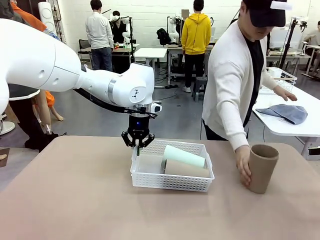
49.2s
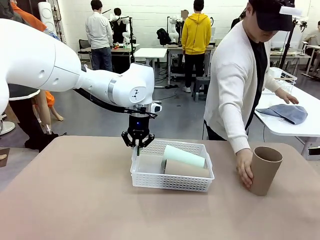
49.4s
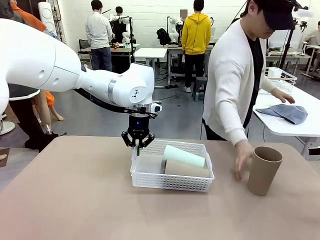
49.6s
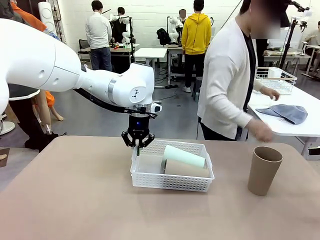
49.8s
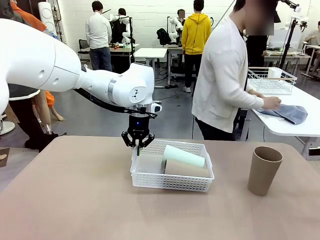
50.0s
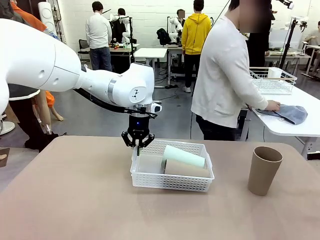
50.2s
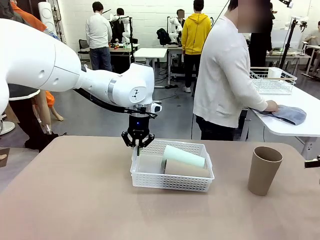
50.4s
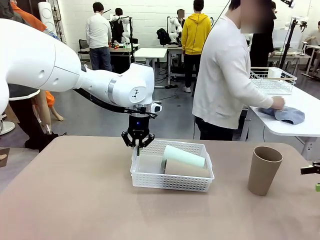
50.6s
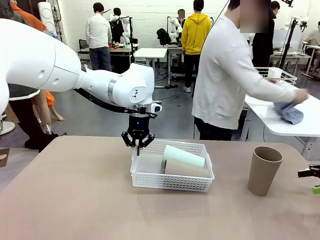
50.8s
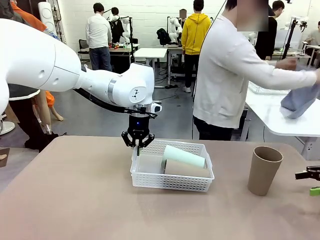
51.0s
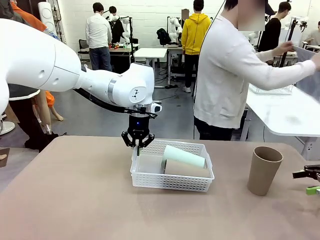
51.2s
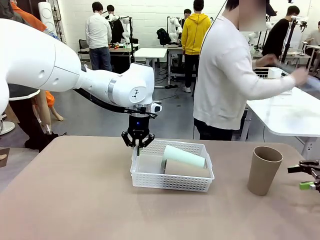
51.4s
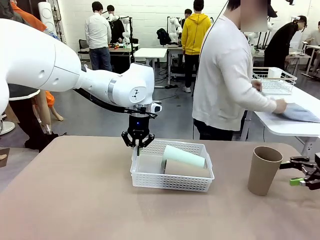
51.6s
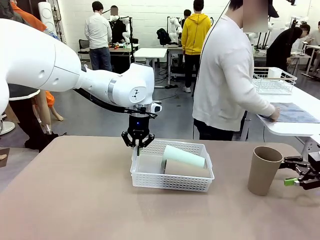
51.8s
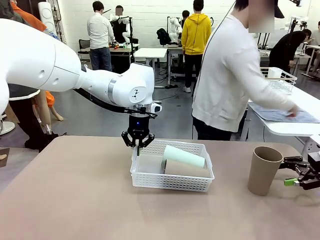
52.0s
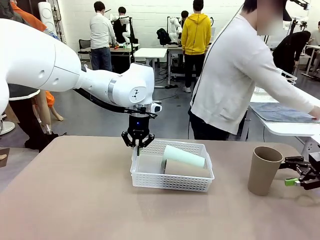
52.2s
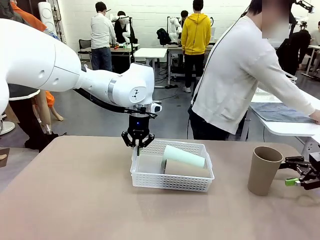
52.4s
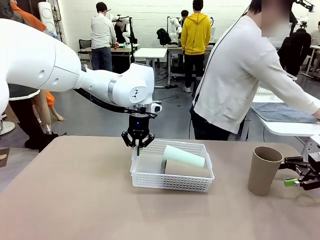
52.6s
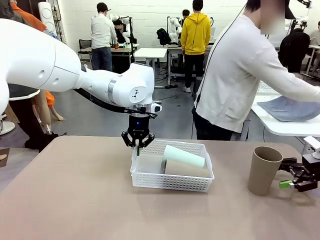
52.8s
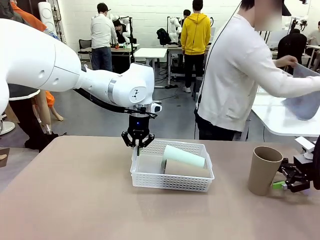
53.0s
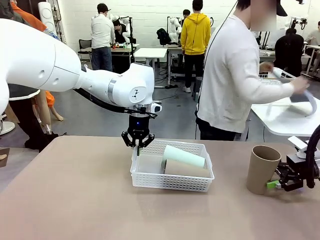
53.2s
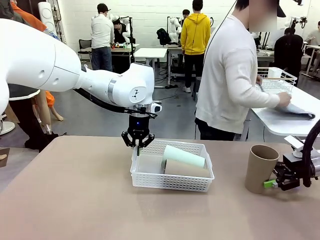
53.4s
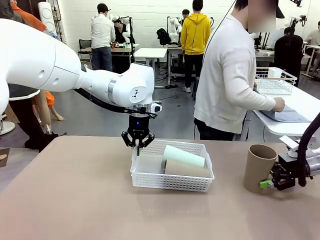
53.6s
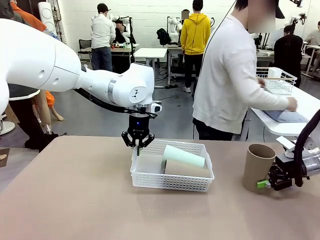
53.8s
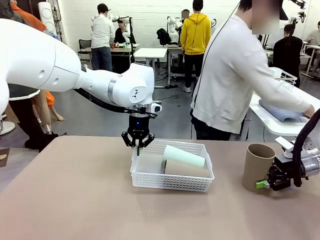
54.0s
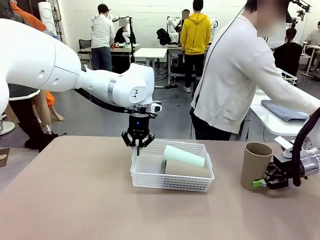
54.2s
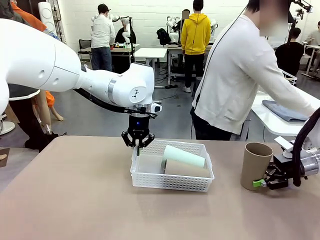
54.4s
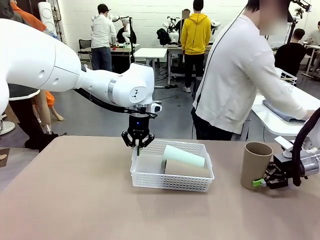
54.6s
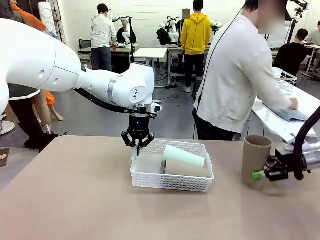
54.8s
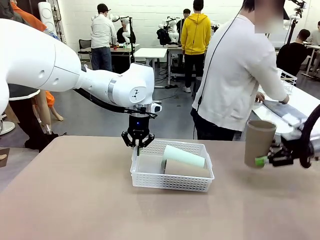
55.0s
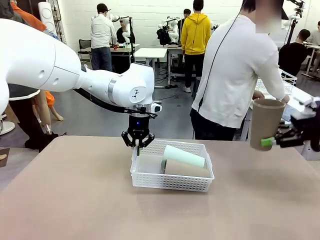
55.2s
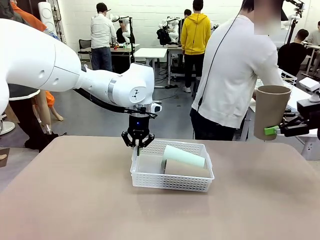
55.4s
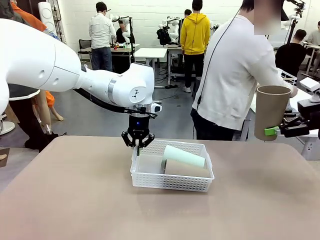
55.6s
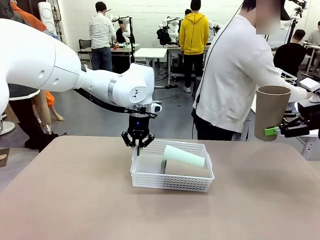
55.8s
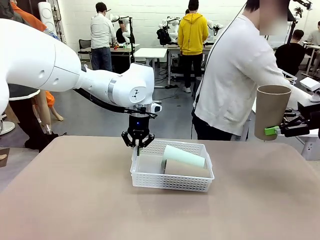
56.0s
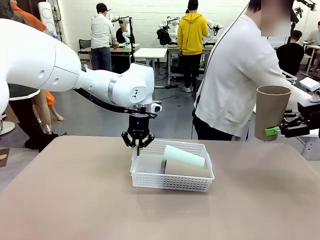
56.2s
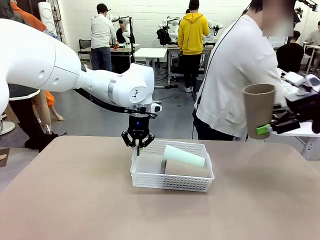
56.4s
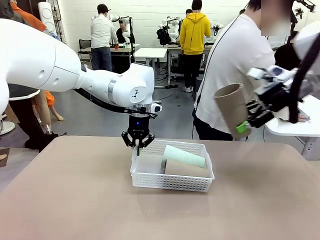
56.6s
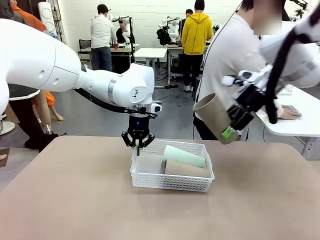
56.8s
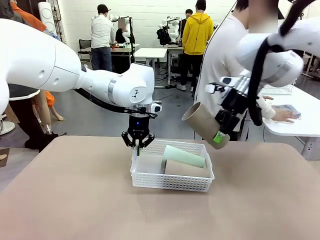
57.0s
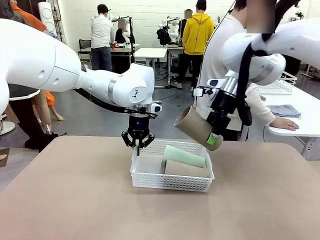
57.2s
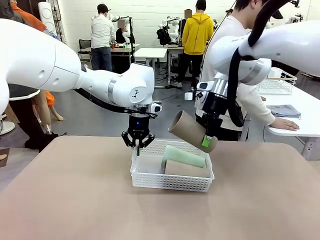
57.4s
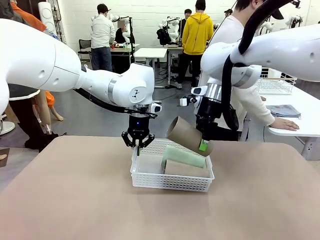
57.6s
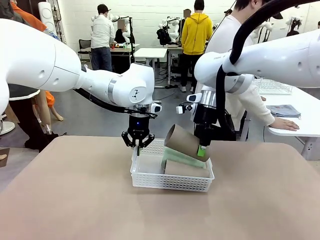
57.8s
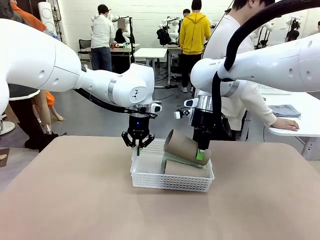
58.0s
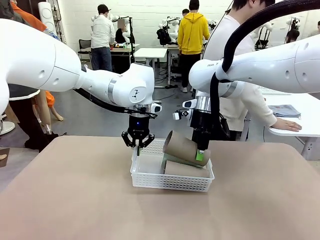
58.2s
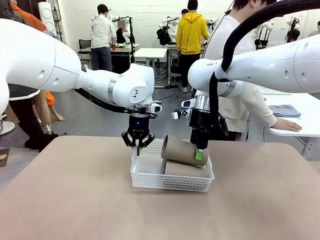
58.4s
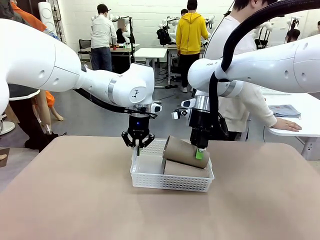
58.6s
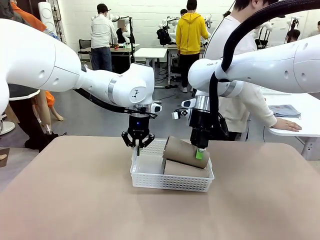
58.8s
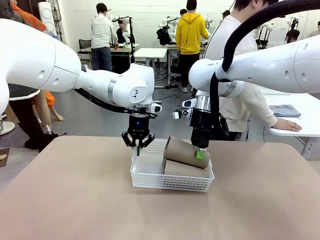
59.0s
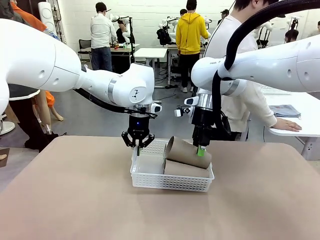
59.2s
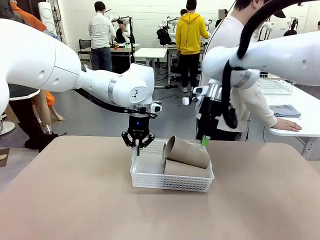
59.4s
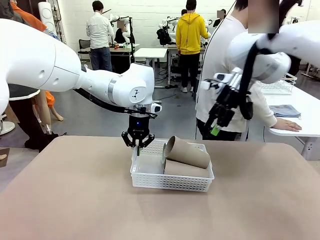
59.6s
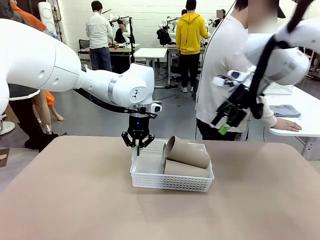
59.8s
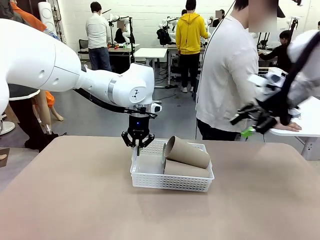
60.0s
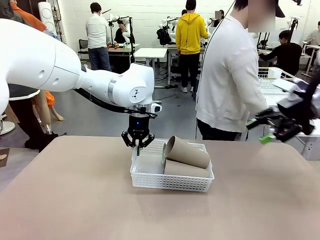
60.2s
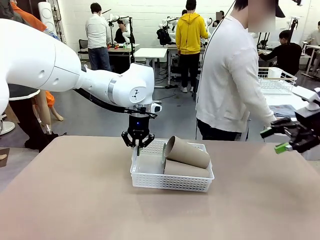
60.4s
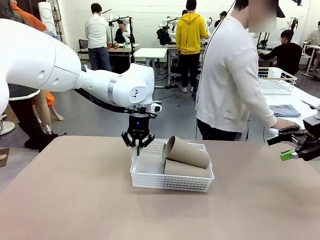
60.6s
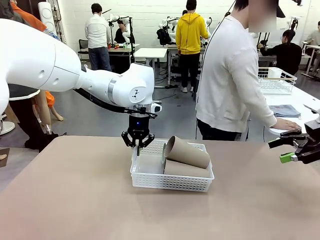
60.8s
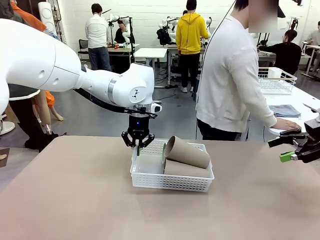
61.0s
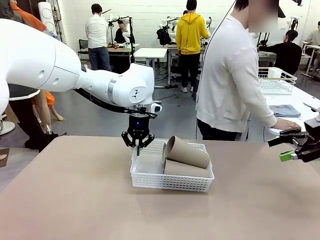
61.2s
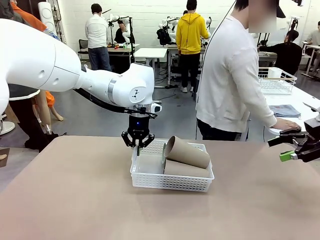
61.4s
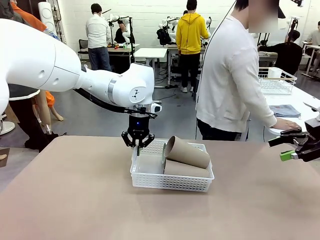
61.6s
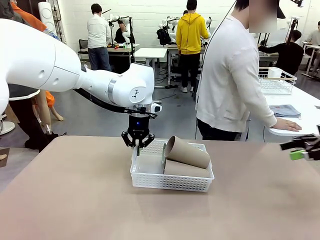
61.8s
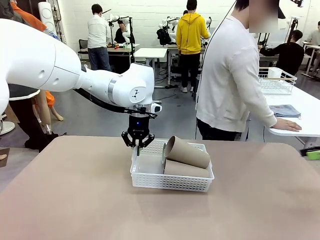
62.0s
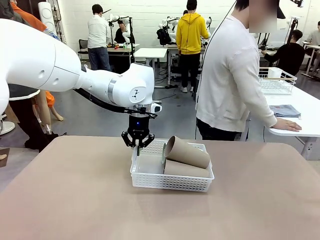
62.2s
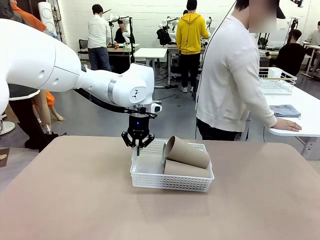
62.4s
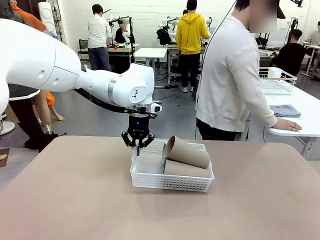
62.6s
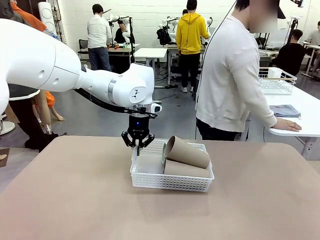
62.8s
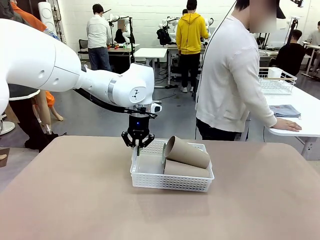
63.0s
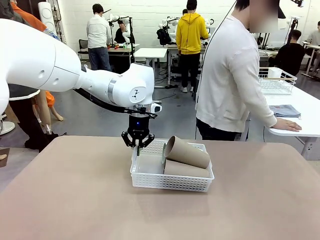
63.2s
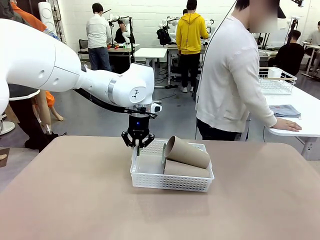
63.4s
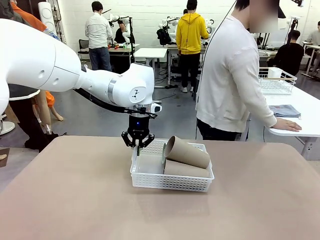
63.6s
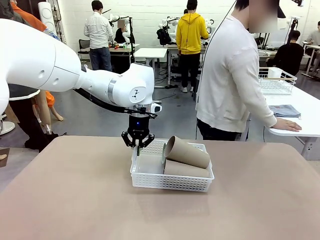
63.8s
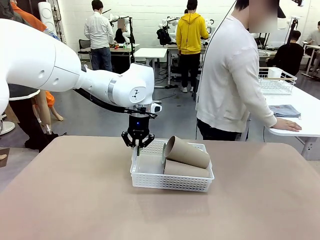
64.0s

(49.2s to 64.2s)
Task: Clean and organize the cups into the basket.
Robot: Pick up the Reusable plastic cup from the right side of the table and stack it inside the Organizing basket in the center of the table.
Person: Folds the towel in half twice and places it in the right of the table.
